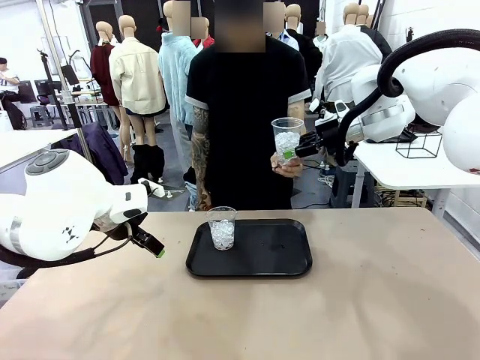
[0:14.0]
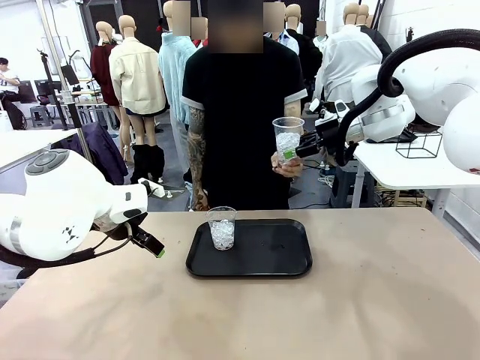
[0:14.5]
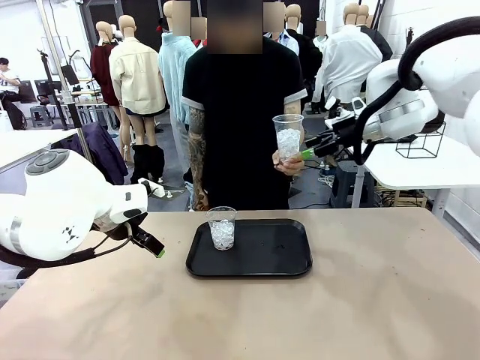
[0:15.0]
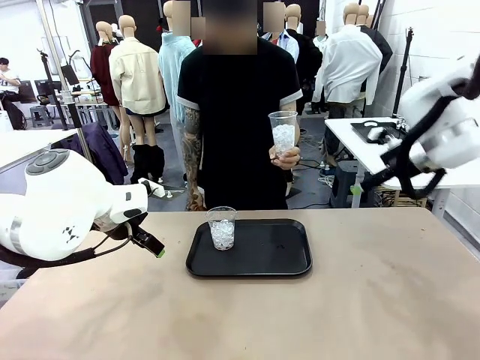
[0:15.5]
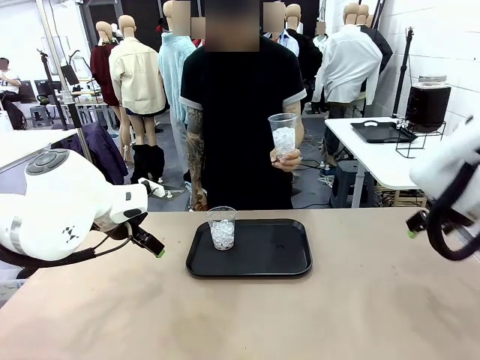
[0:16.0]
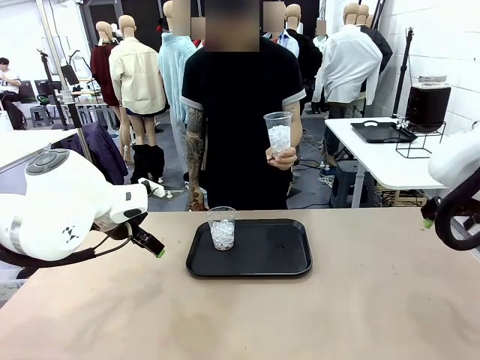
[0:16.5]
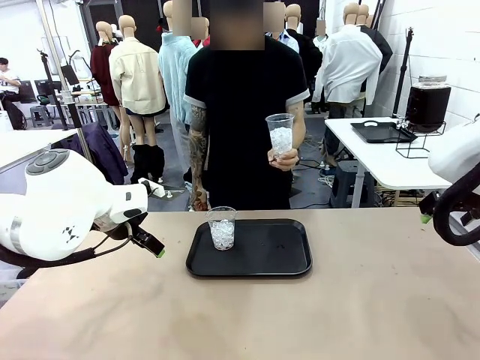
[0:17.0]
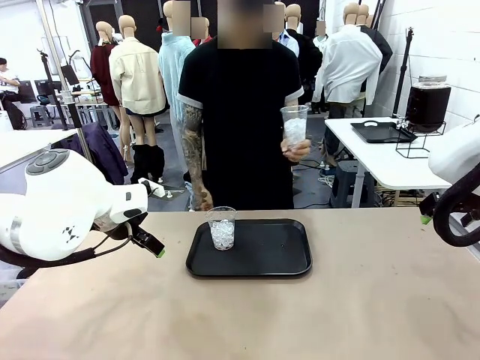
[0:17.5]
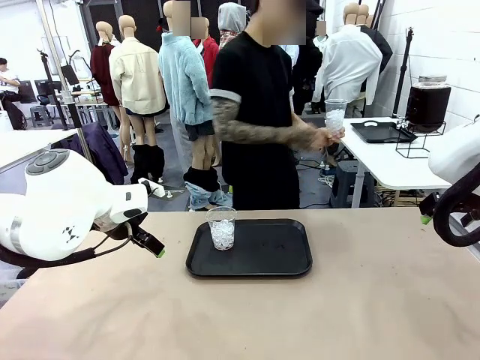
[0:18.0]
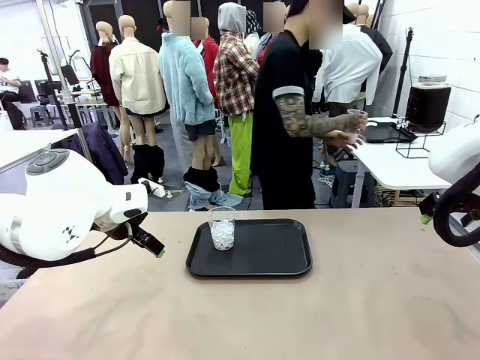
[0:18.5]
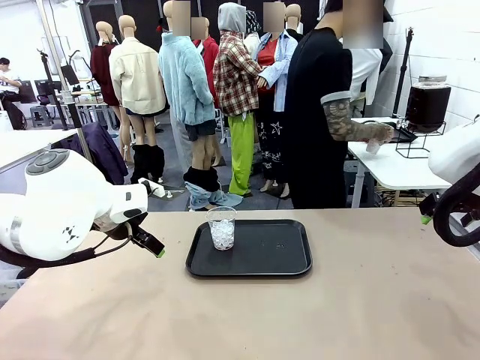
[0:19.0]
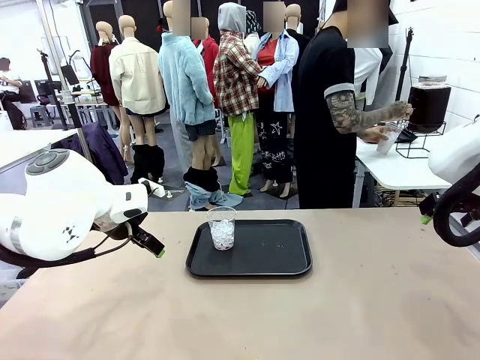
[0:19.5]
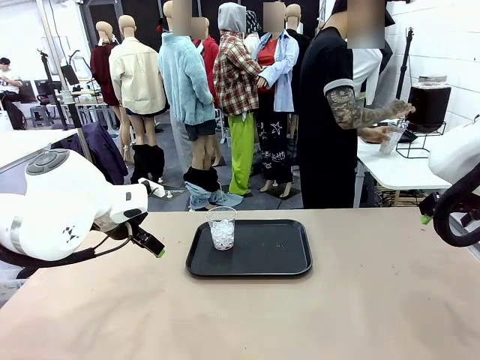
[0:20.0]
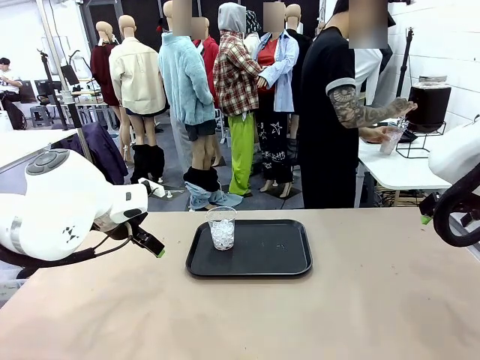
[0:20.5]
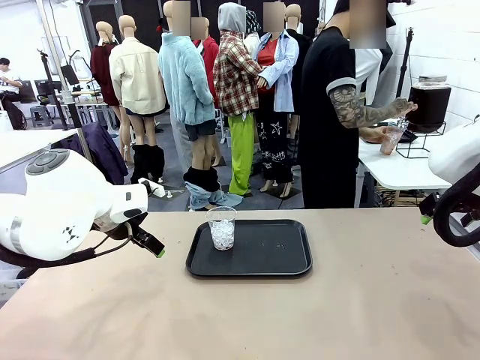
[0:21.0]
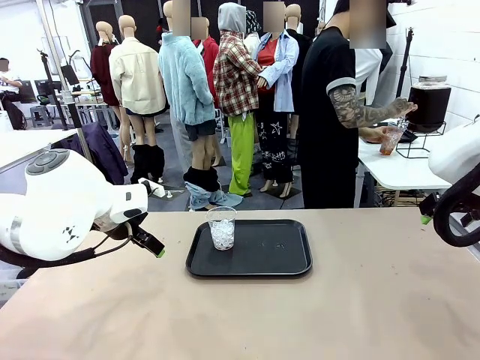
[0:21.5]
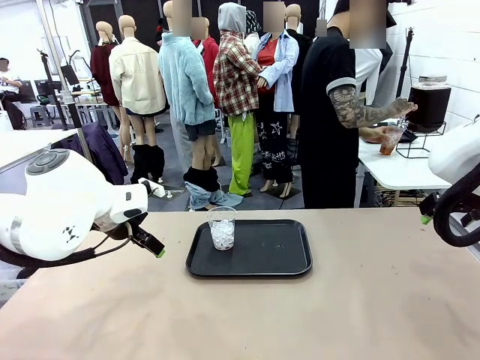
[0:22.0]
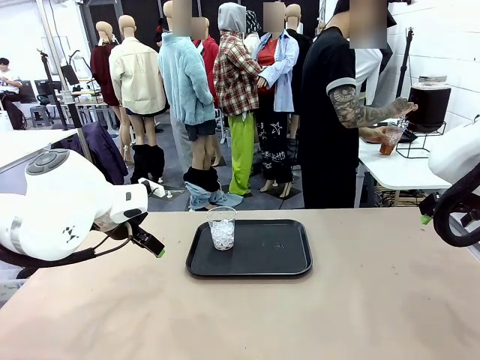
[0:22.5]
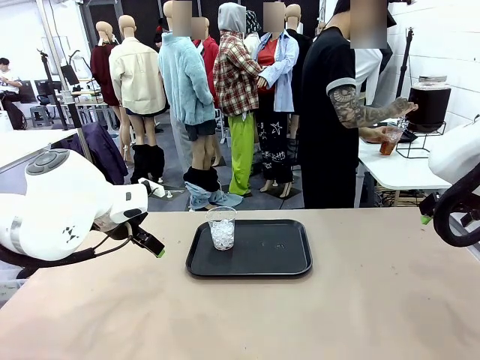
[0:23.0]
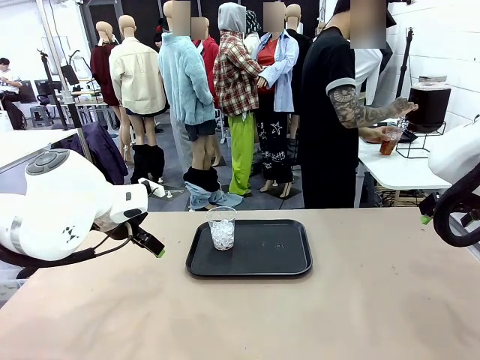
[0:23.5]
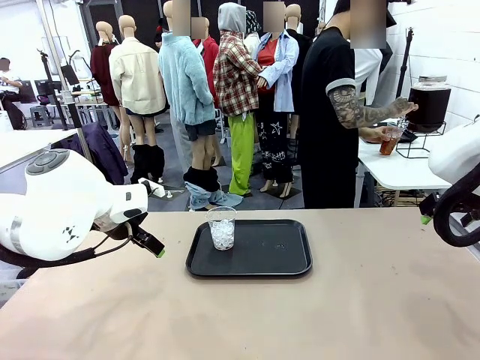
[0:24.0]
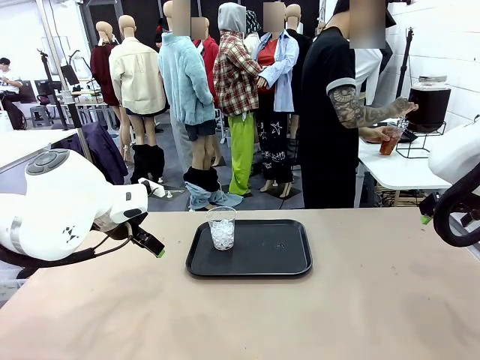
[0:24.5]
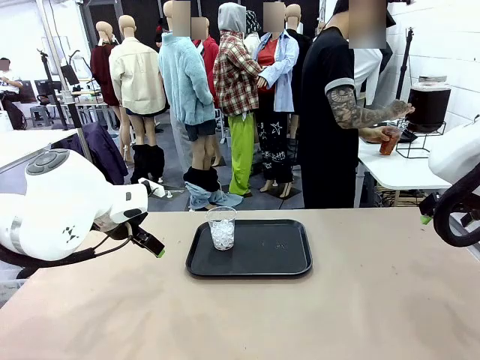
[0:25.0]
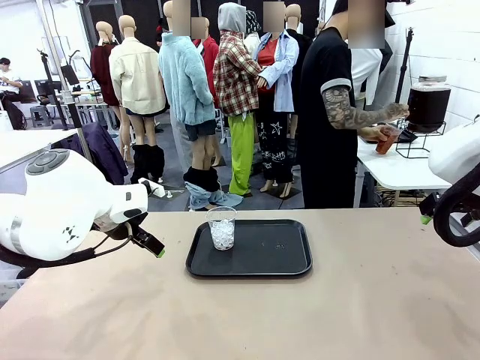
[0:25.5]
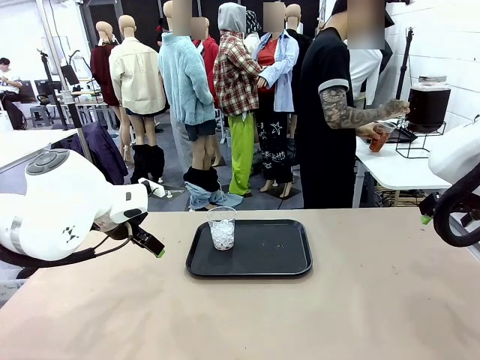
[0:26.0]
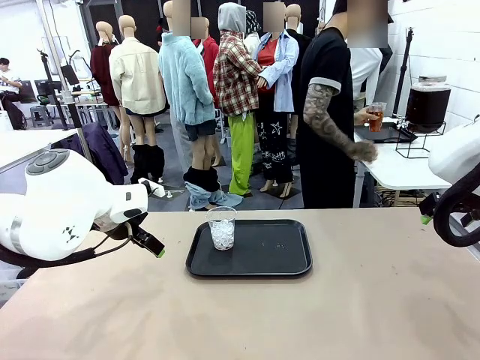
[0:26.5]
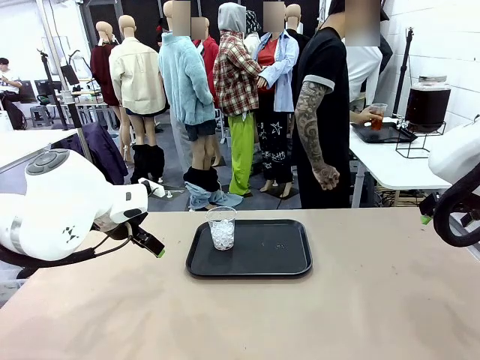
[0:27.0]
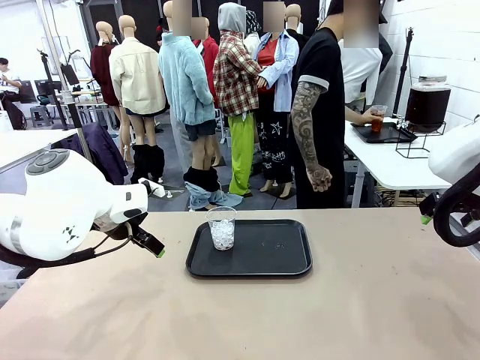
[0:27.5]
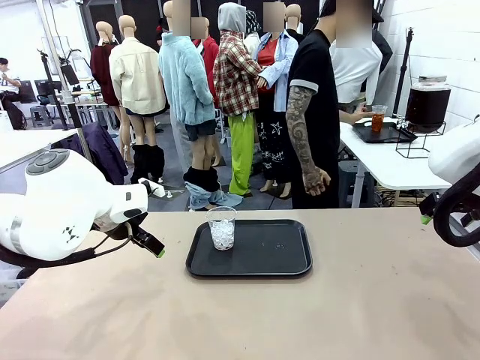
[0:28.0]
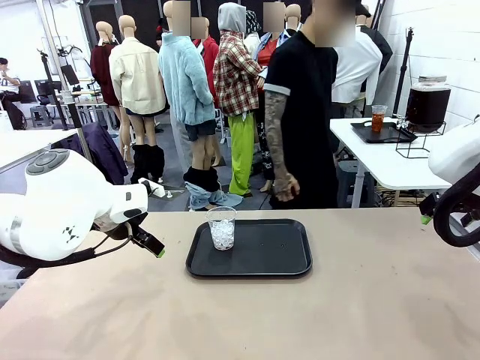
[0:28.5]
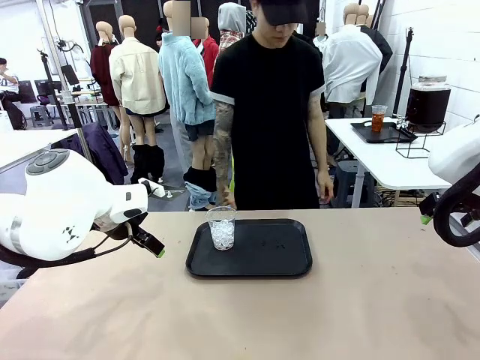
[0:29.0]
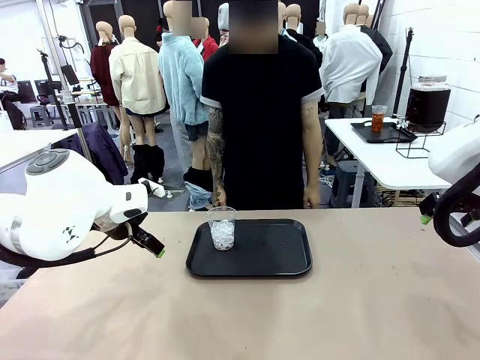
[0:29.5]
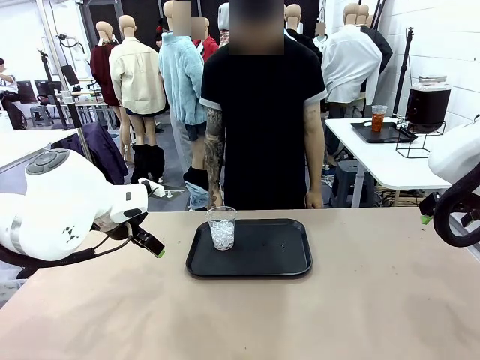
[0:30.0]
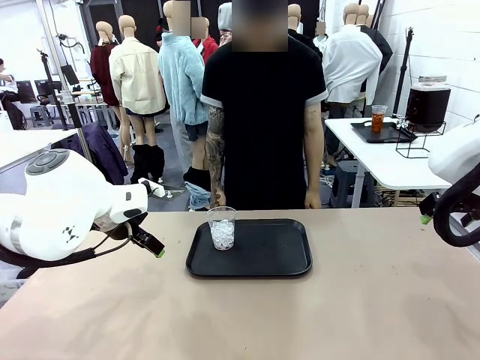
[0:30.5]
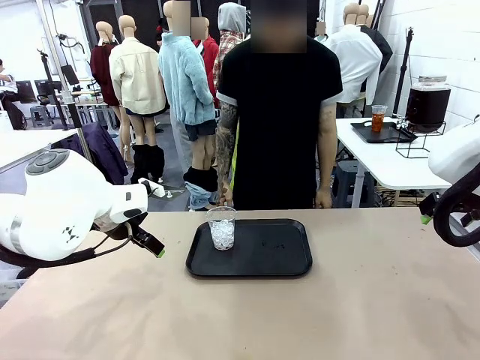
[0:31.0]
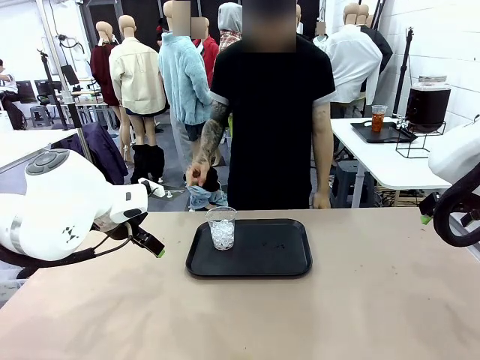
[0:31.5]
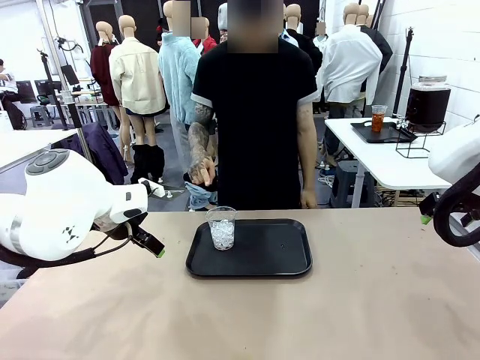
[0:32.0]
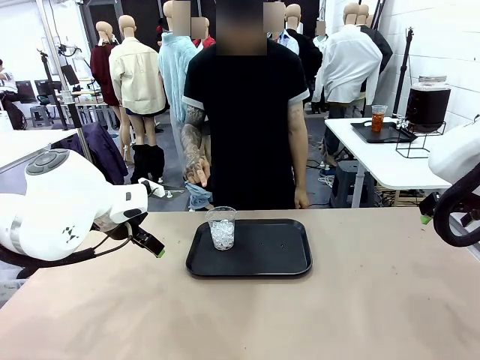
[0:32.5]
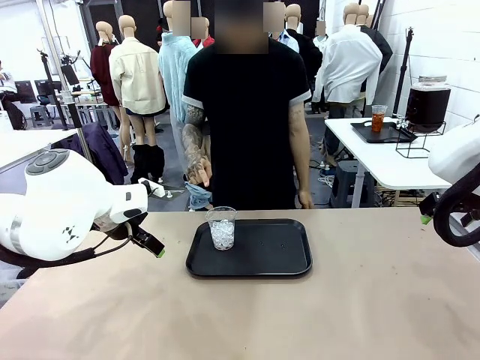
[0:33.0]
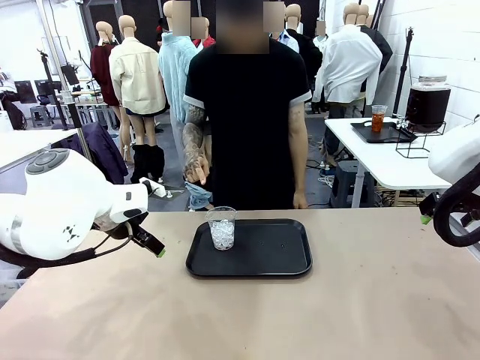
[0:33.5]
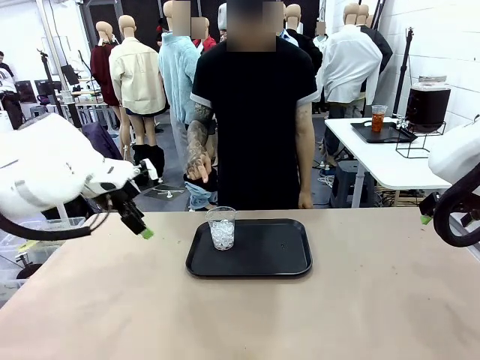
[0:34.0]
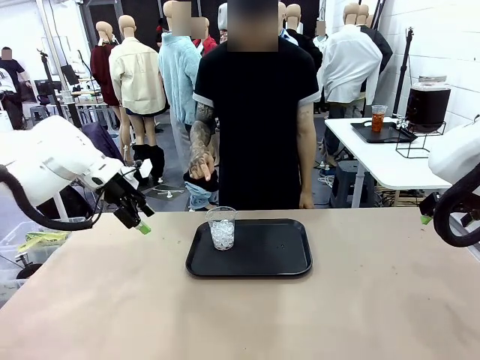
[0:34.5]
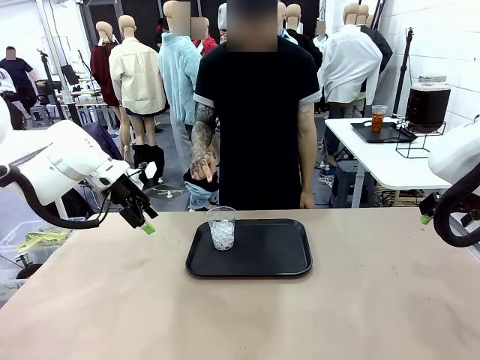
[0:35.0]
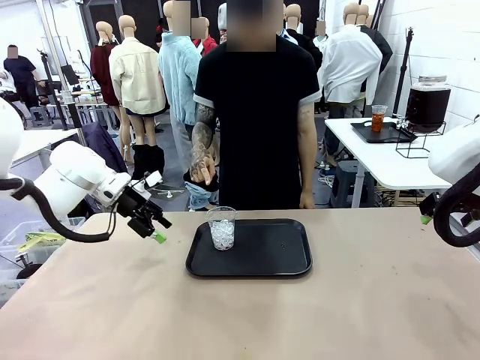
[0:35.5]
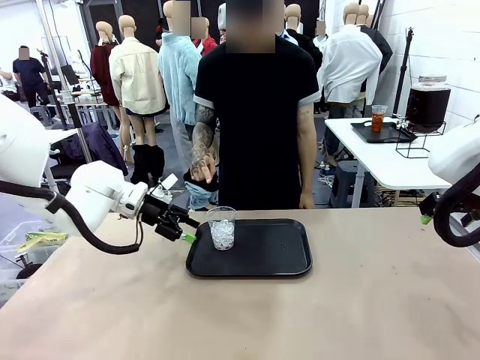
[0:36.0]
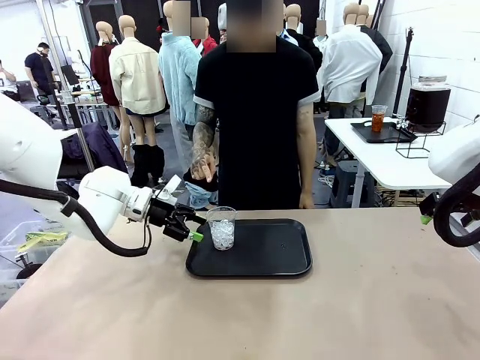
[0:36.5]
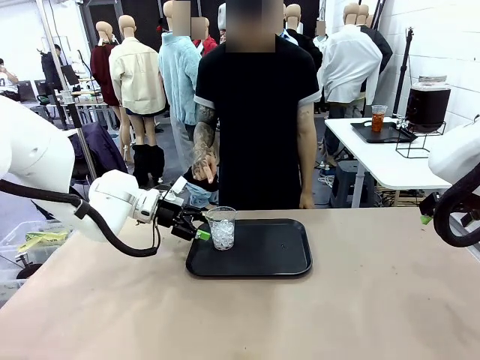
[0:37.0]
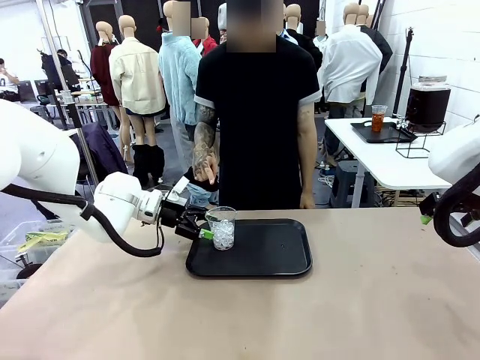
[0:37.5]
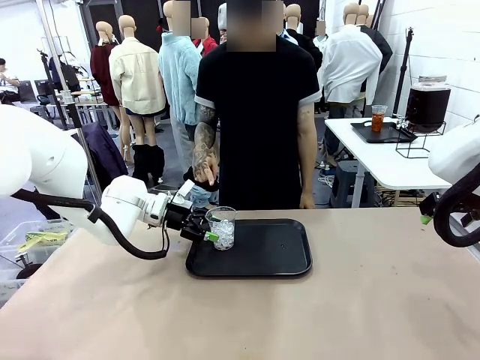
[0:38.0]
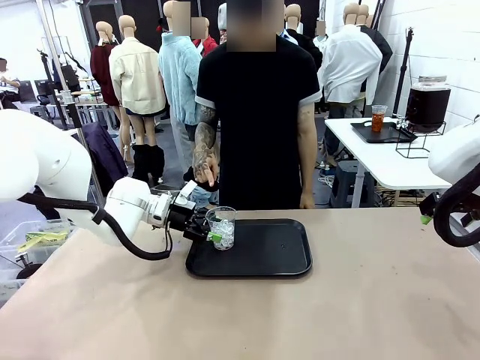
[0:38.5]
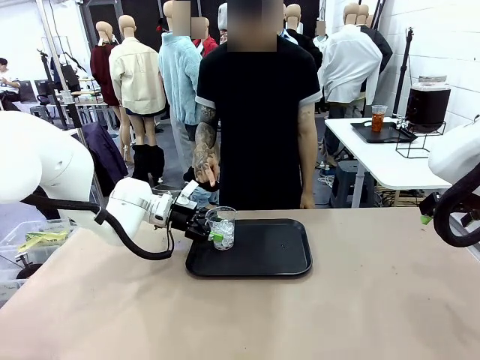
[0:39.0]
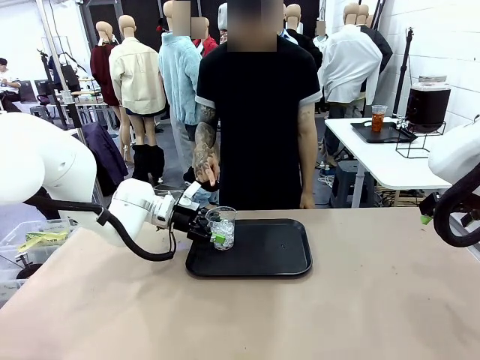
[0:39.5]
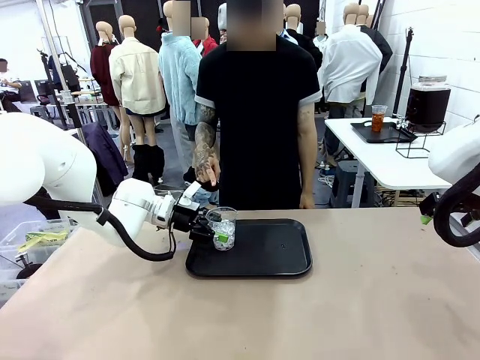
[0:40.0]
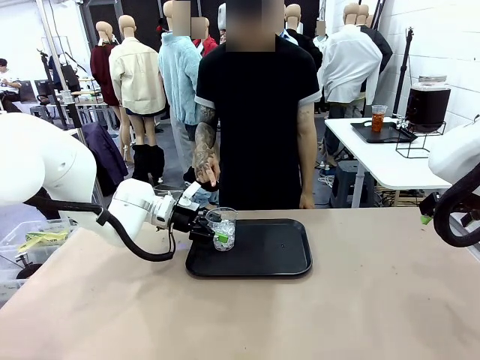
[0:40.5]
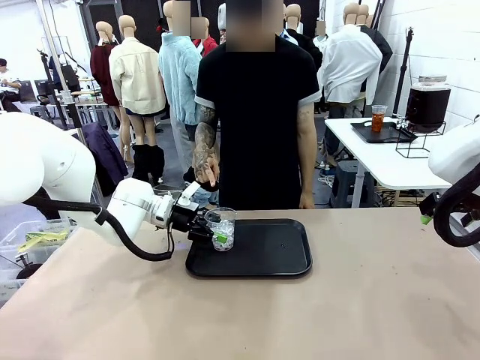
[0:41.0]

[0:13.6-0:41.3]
Task: Pour the drink into the iced cup.
Robot: Pick up the iced cup indicated by the human and present it to them.
Person: Move the picked-up cup under the dispenser faucet, pour the drink, and place it on the tray on the human table. Point to the remaining ice cup on the robot table. Pick up the cup offered by the robot.
